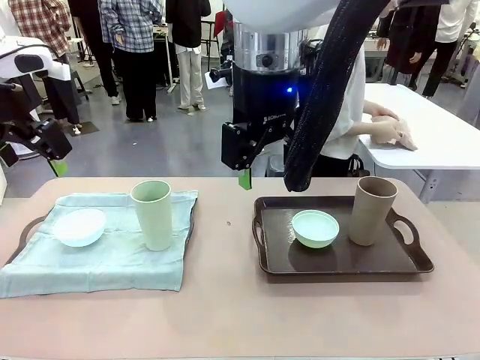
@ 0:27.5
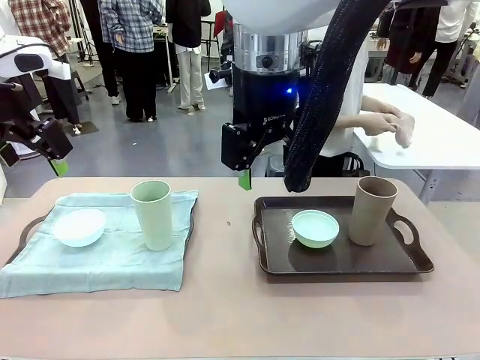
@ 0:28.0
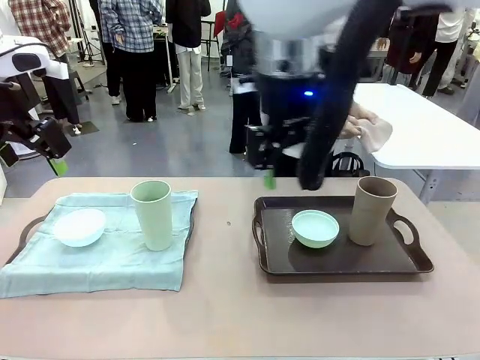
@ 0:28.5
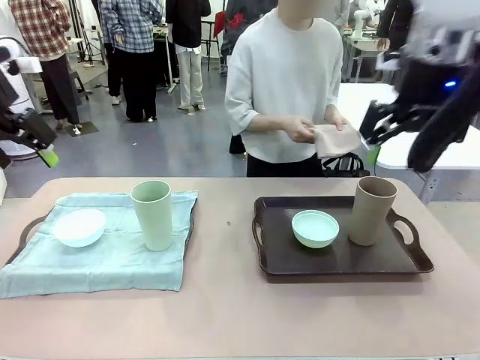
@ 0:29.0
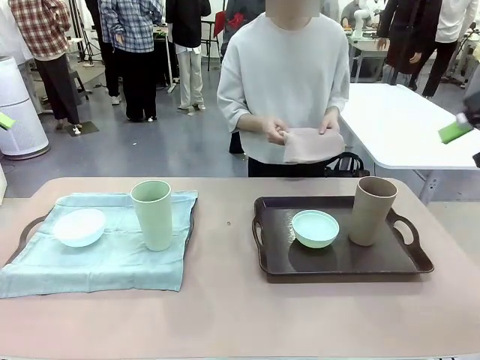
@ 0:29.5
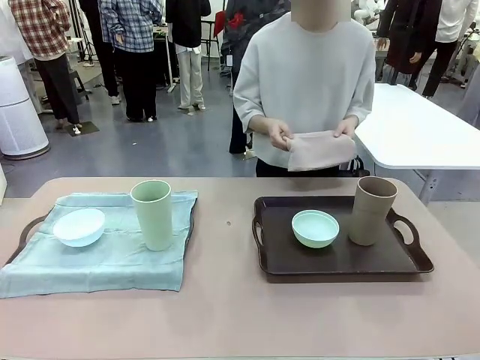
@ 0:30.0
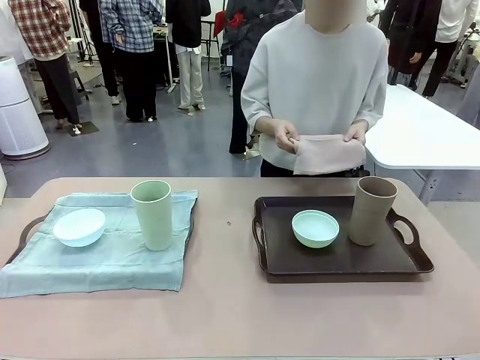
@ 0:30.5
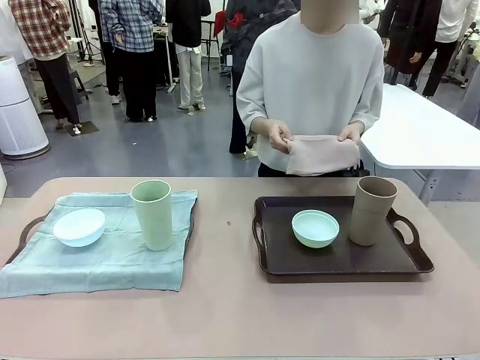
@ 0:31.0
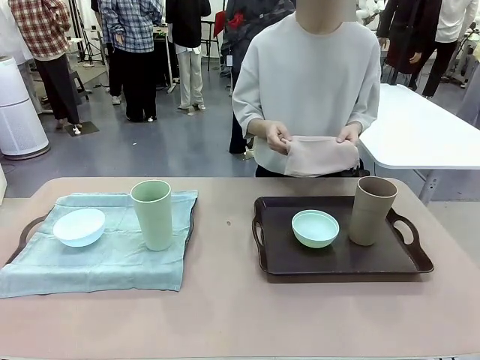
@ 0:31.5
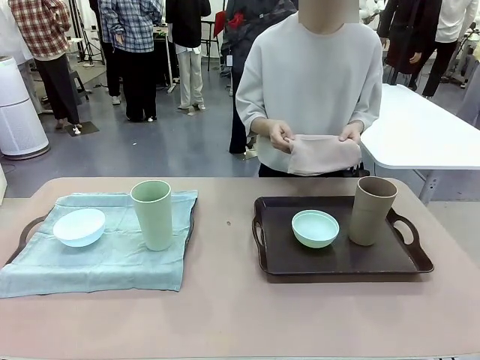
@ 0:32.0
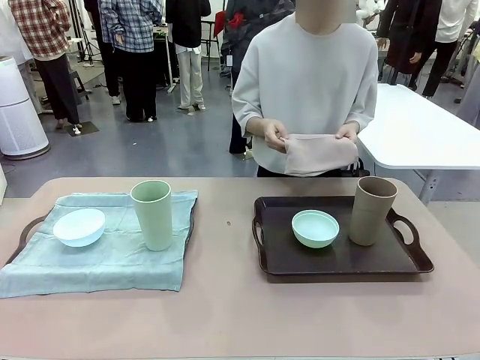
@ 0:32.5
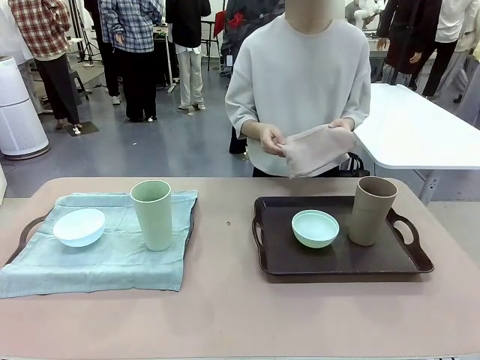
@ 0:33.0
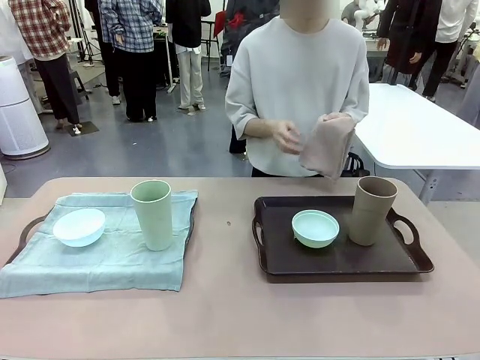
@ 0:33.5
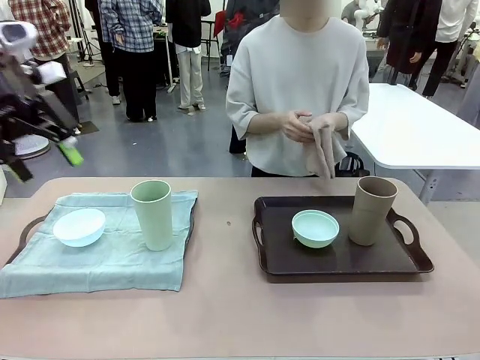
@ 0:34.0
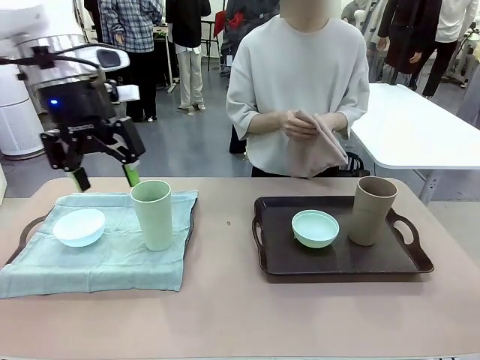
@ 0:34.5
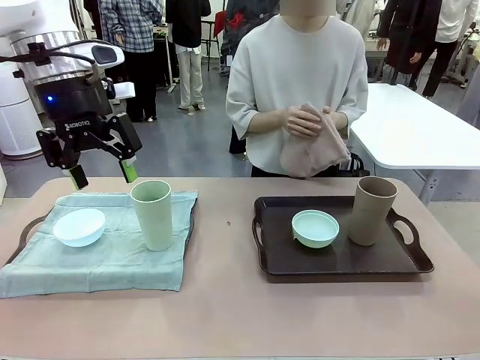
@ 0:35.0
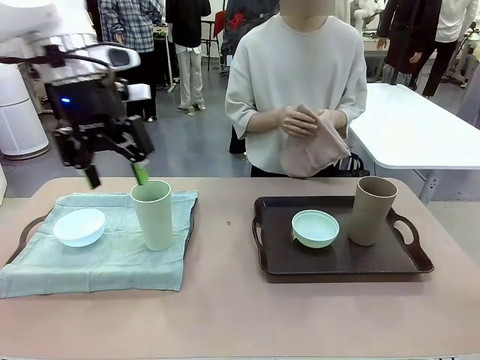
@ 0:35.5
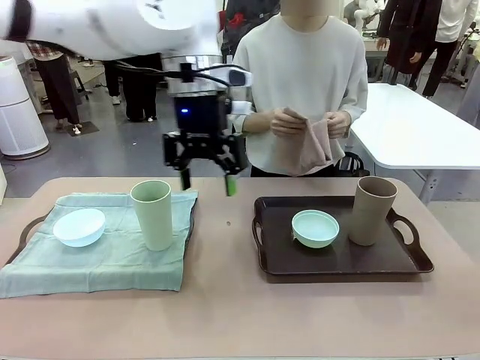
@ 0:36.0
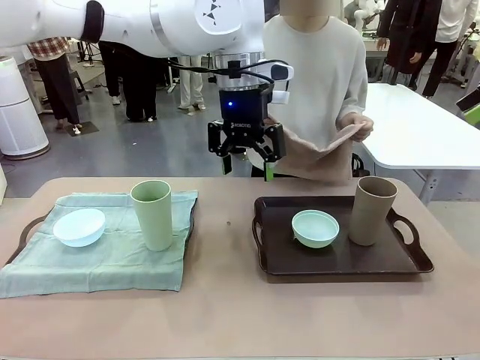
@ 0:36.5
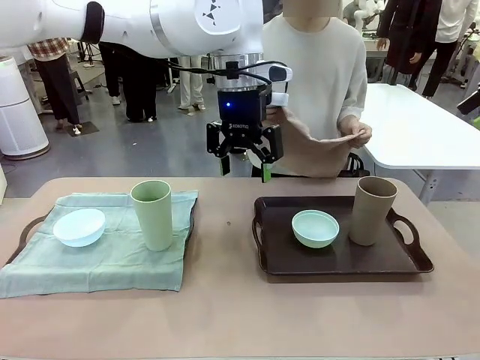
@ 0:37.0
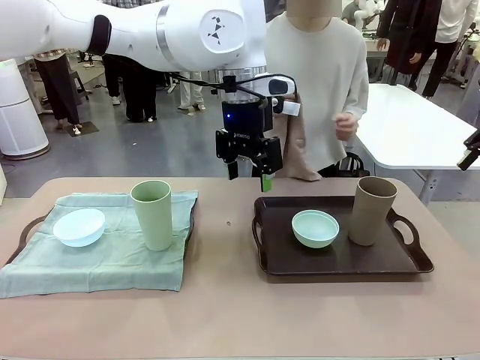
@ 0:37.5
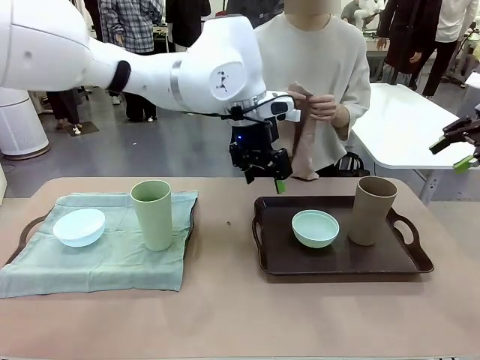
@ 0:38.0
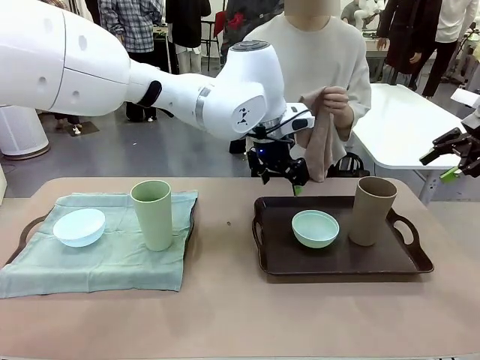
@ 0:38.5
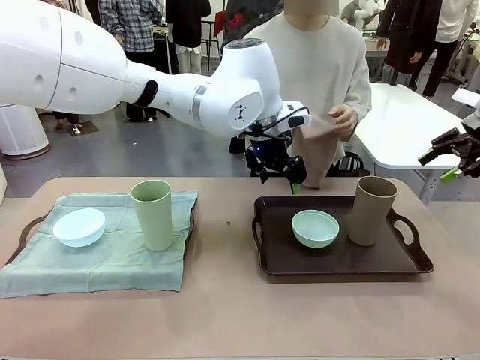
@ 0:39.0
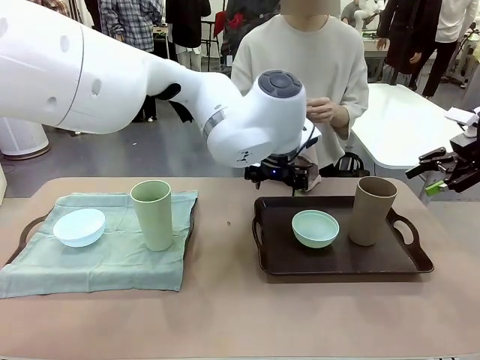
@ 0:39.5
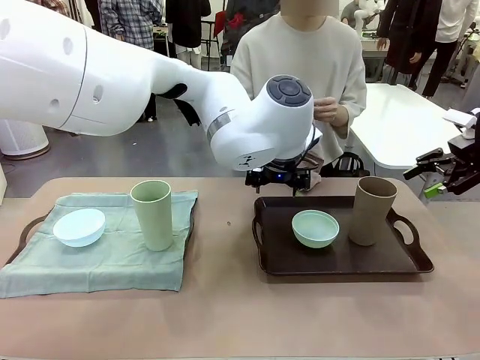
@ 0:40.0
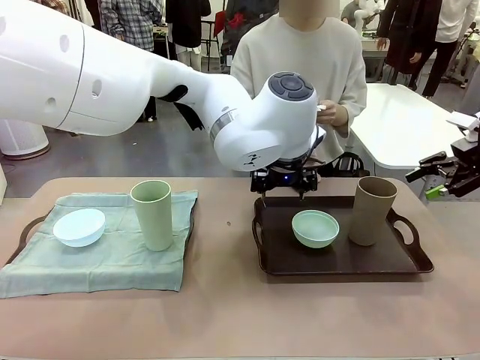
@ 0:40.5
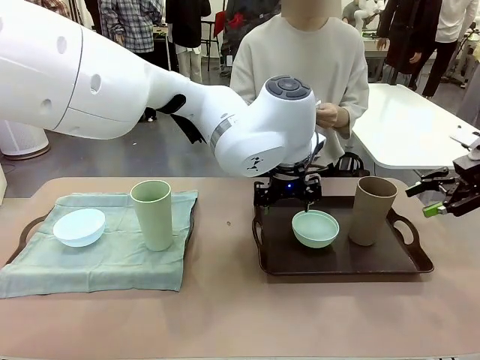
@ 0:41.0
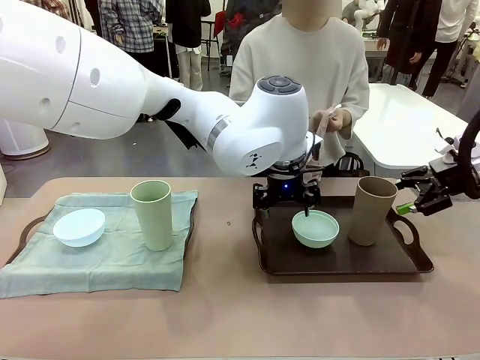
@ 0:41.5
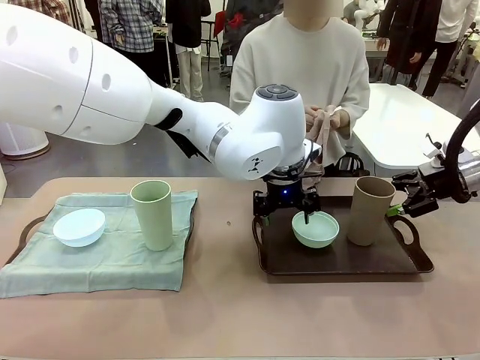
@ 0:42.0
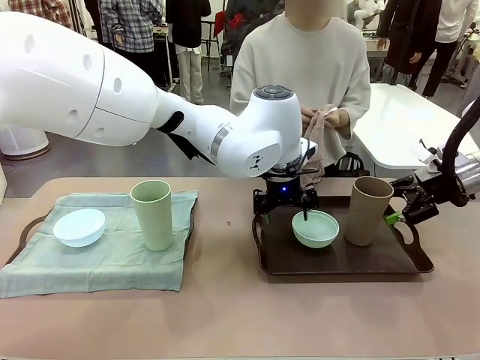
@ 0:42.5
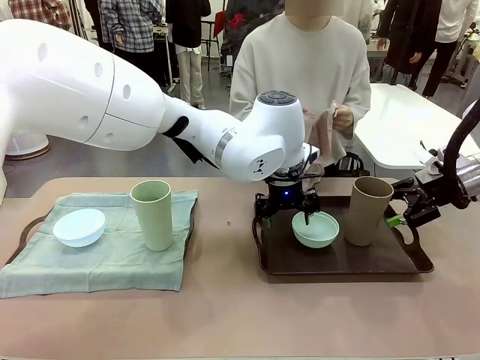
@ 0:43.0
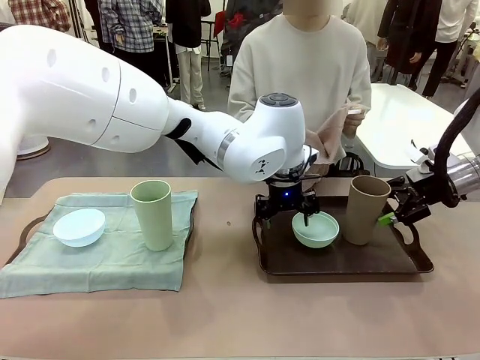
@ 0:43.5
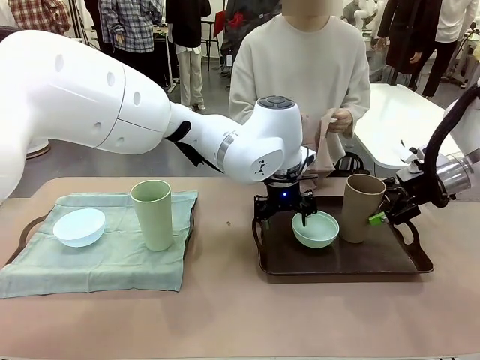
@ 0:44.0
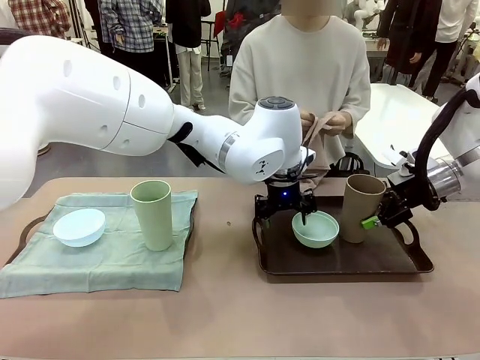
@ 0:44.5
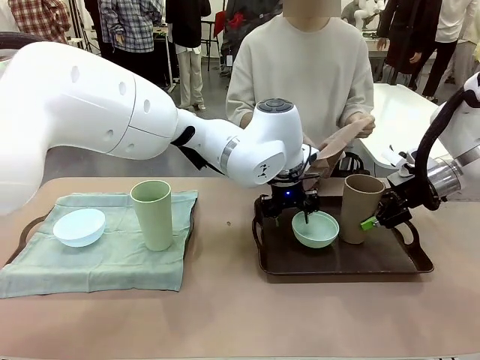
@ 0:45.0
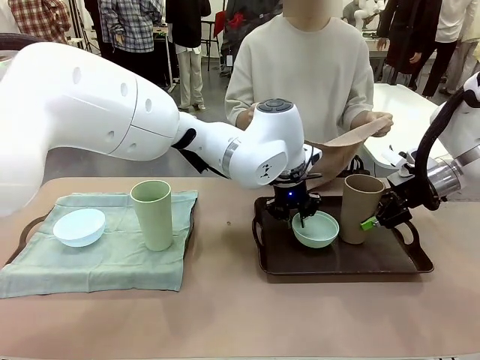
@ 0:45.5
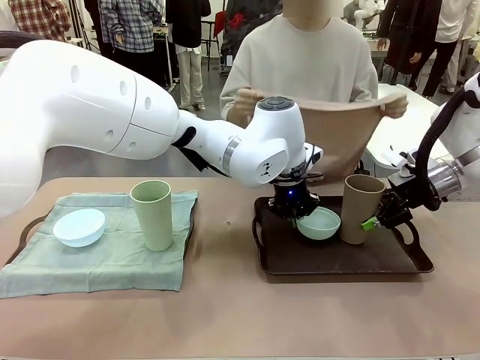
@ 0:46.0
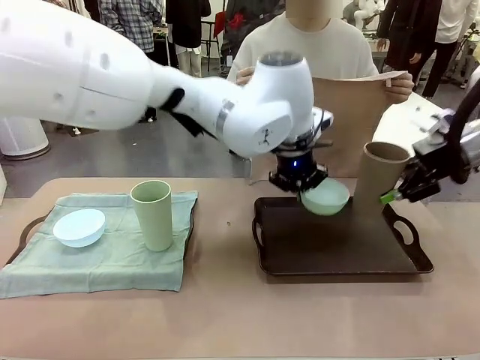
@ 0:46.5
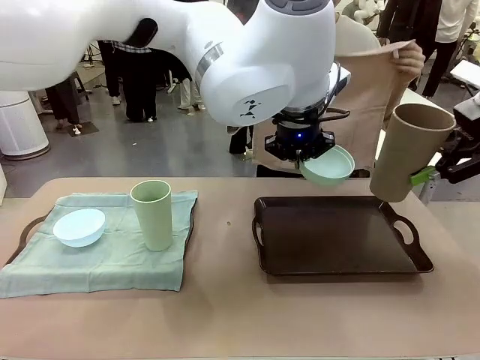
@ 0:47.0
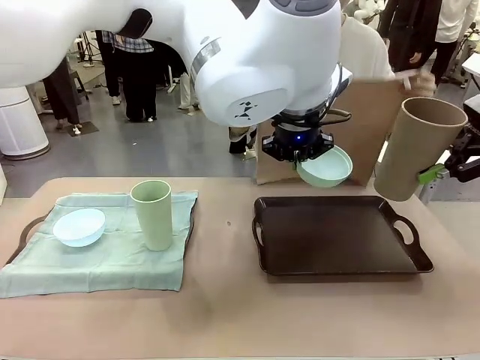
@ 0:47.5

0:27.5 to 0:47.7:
Robot: Pick up the Picnic Bowl and Reusable plastic cup from the Handle tray in front of the human's position and hold them in the air.
Person: When the robot lifts the bowl and the cup, the human unfolds the napkin and lays the napkin flat on the tray.

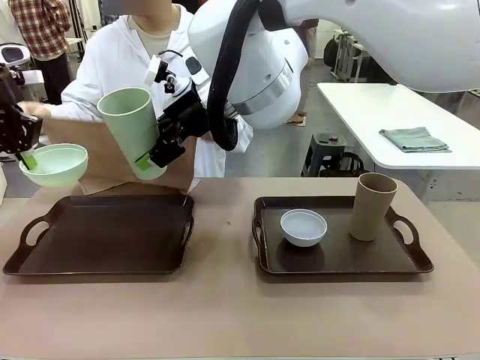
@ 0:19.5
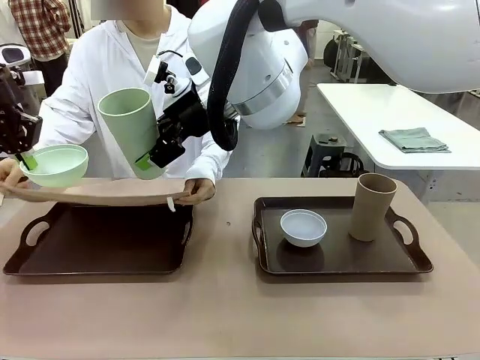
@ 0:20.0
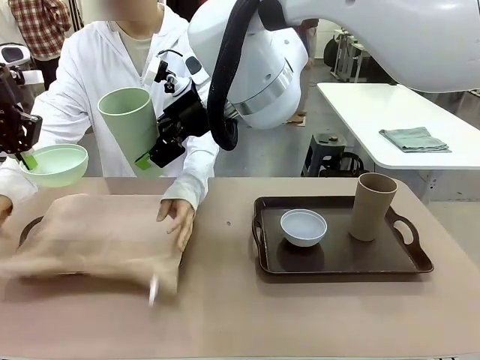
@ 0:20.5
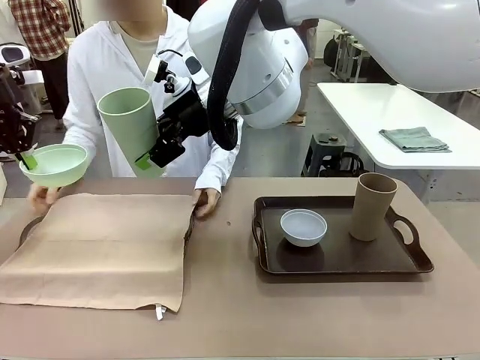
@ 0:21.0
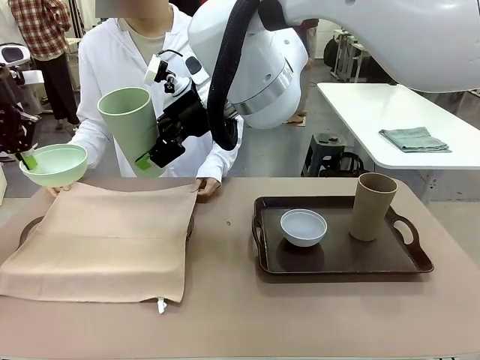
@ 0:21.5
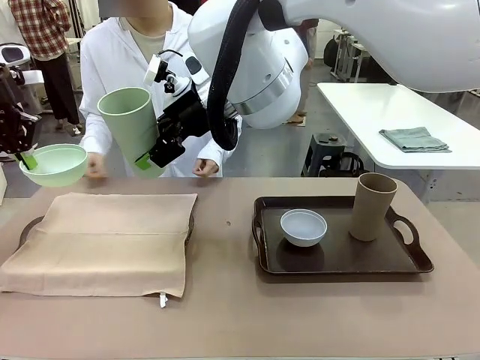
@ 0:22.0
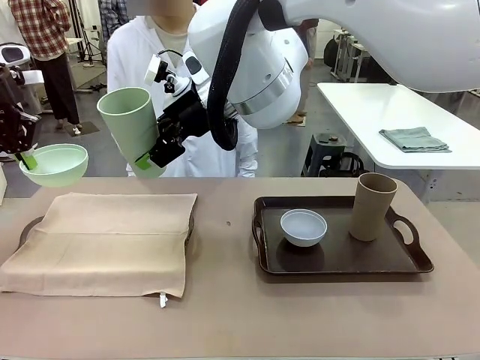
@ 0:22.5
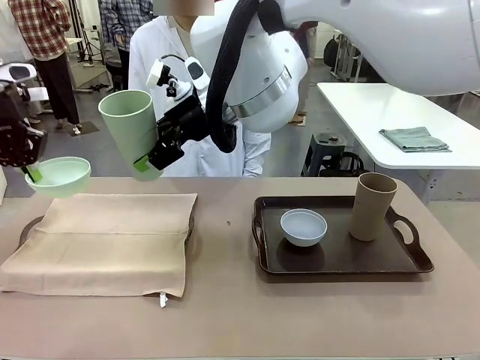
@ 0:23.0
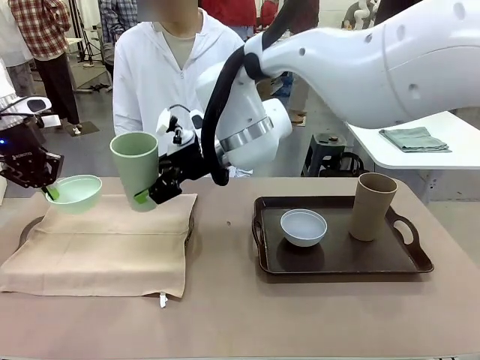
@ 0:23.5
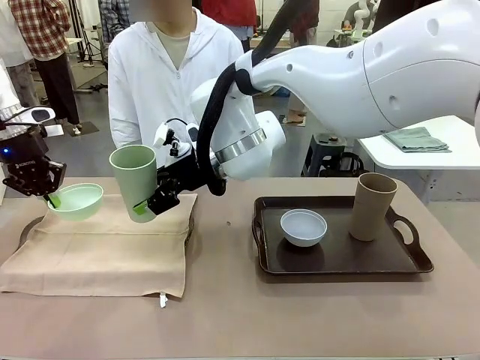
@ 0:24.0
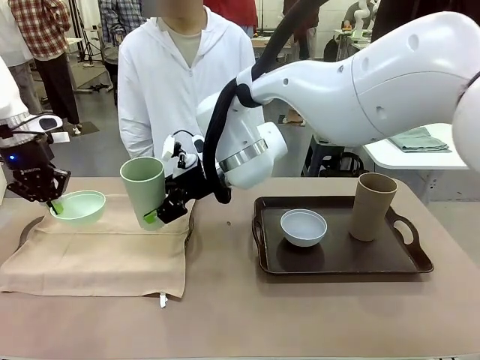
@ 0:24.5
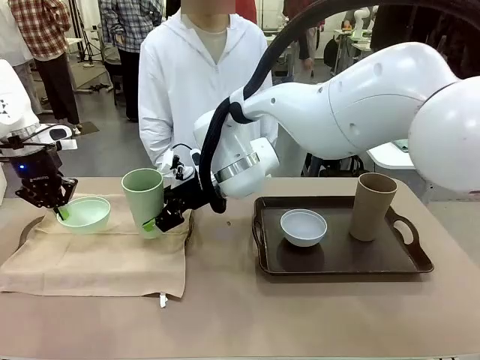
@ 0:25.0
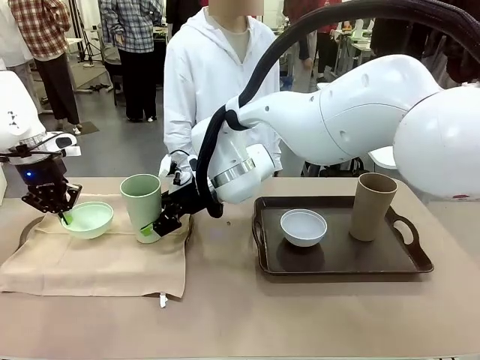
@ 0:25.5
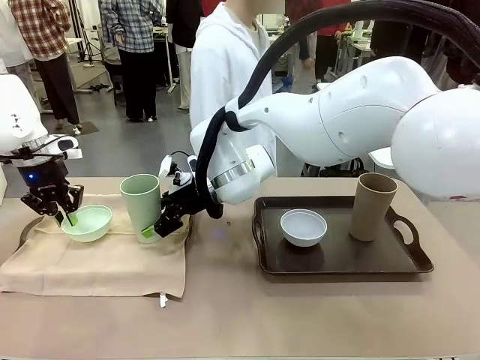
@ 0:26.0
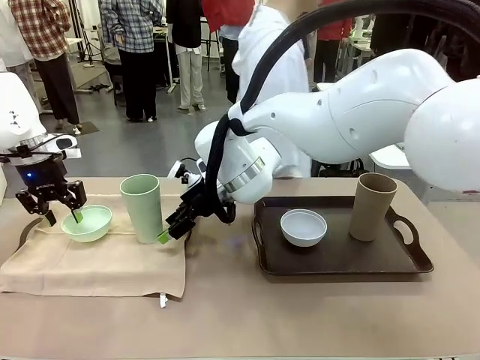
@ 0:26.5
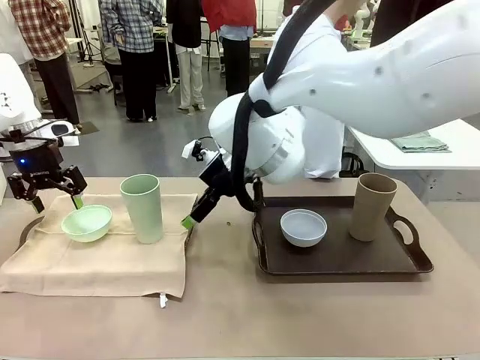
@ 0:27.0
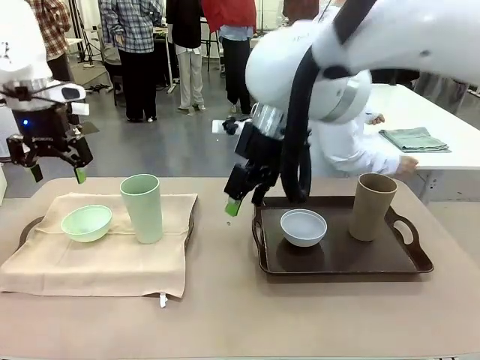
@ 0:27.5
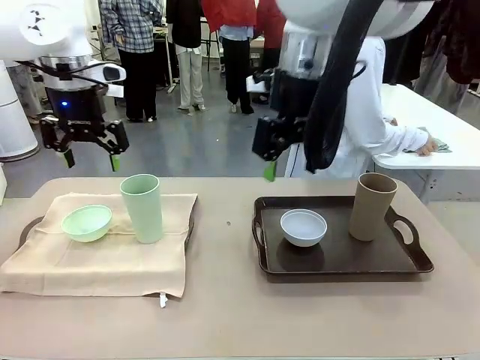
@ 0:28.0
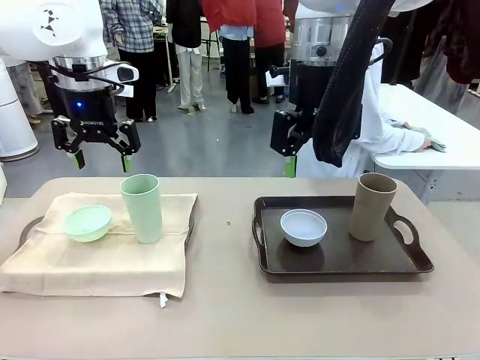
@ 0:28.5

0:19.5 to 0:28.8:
Robot: Place the Picnic Bowl and Reusable plastic cup back onto the Handle tray in front of the human's position.
Person: The human returns to the human table to pick up another napkin and walks to the robot table to stand in front of the tray without a napkin.
